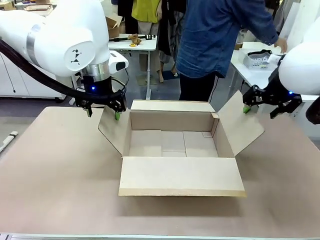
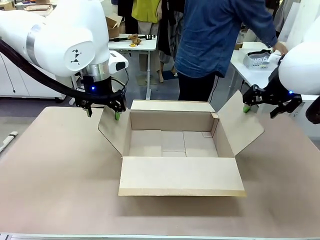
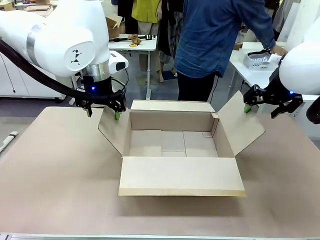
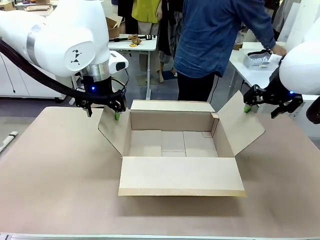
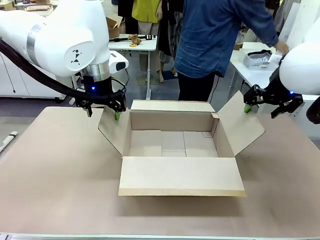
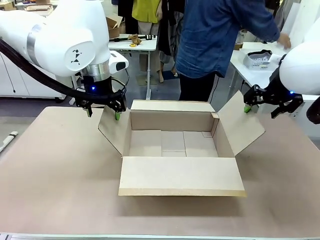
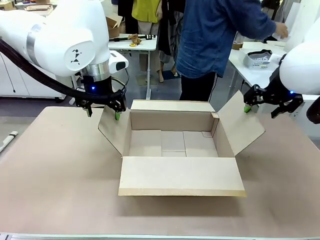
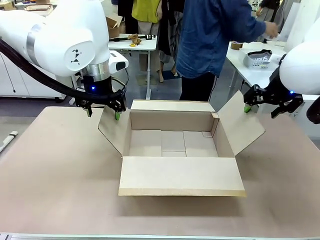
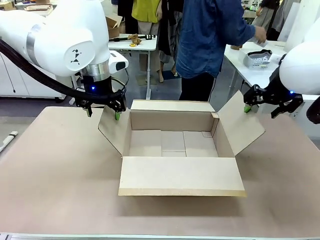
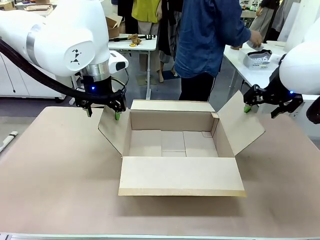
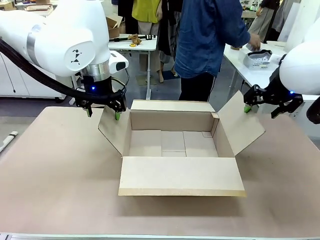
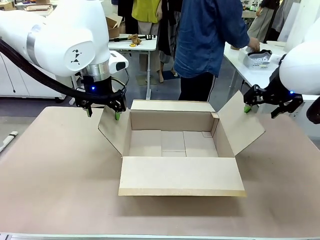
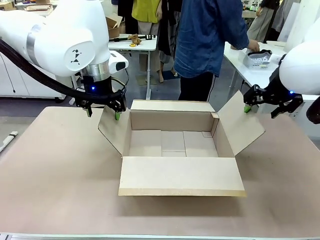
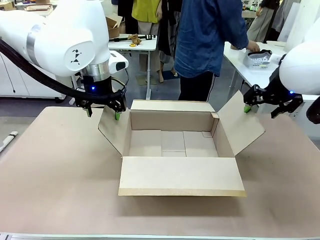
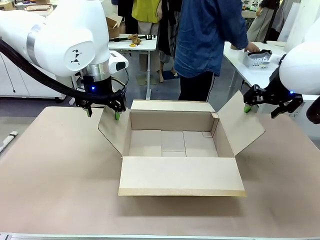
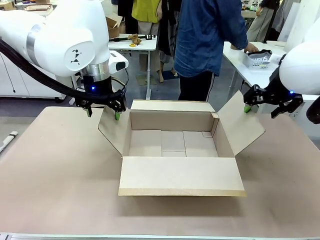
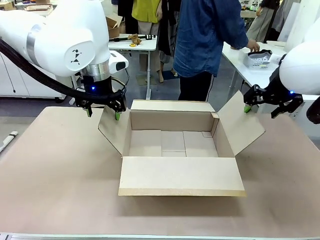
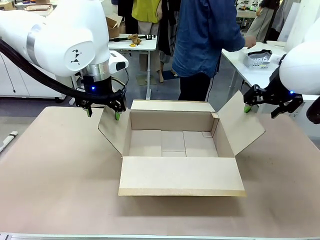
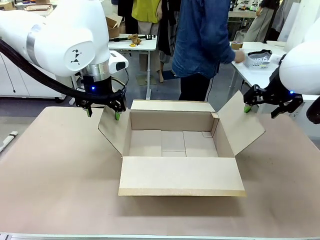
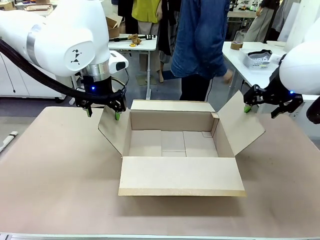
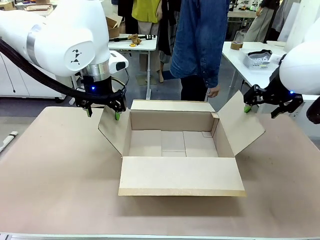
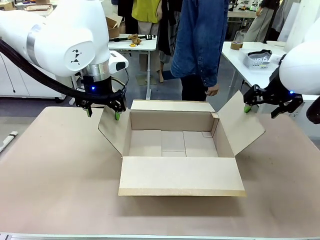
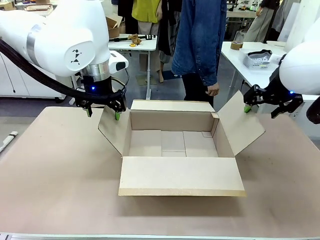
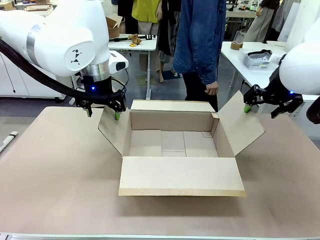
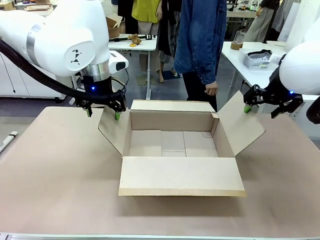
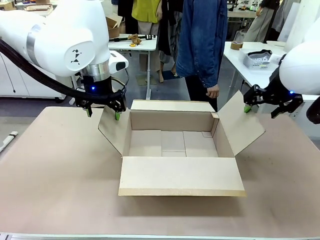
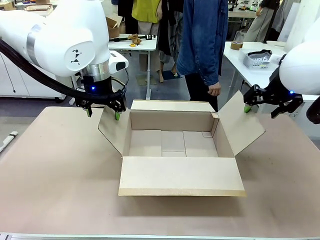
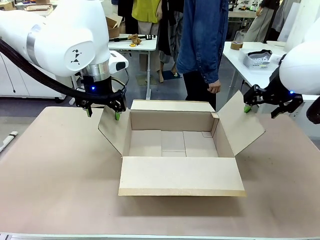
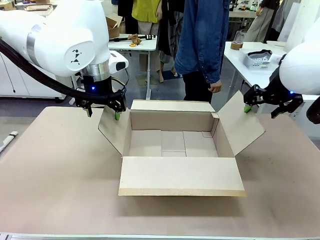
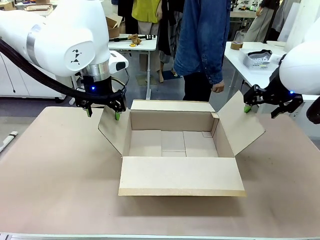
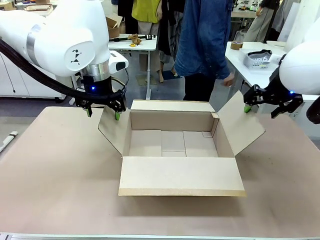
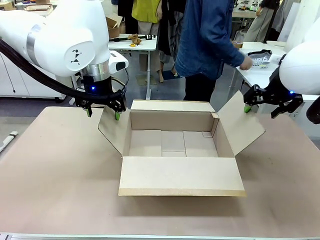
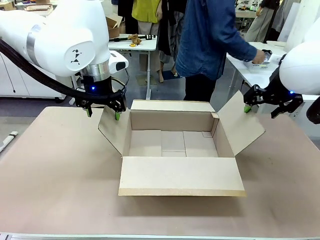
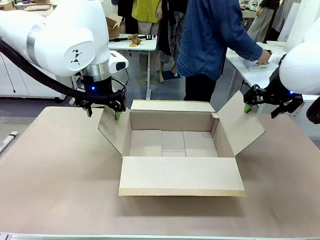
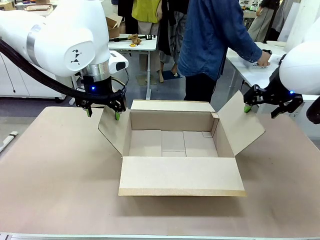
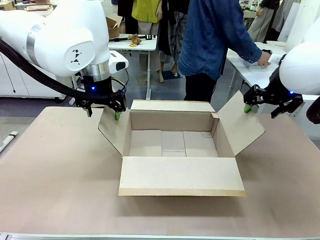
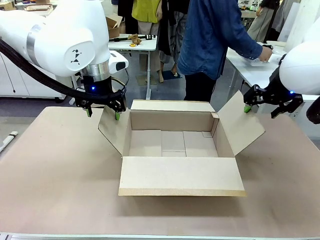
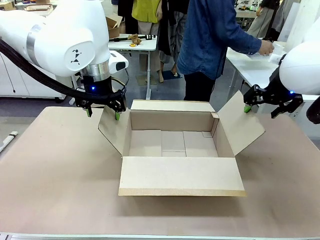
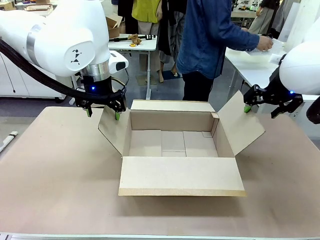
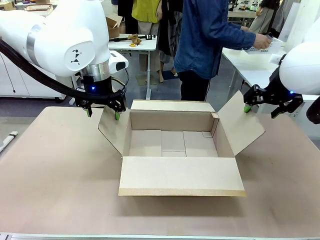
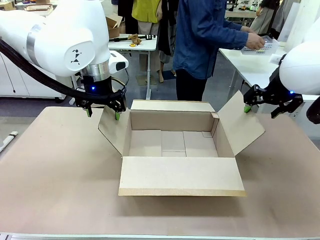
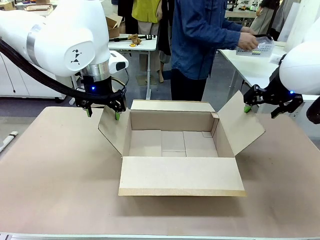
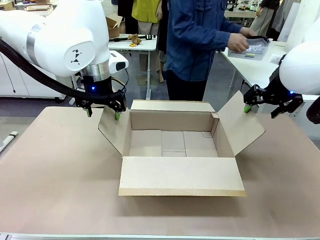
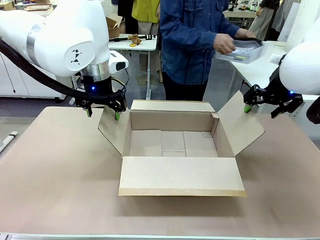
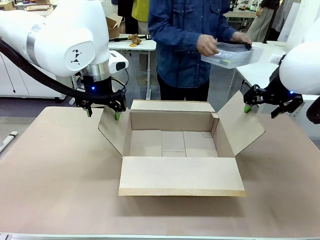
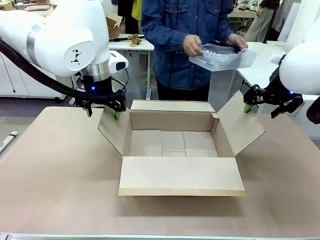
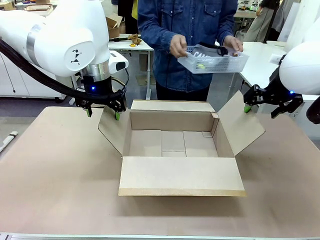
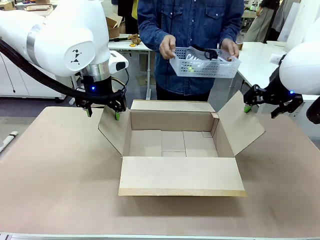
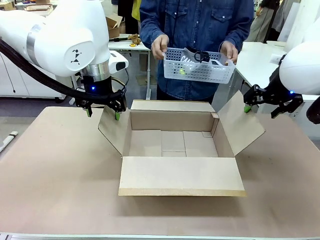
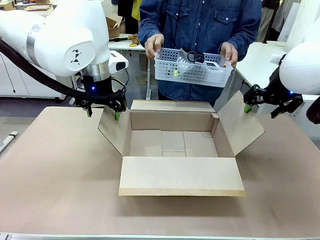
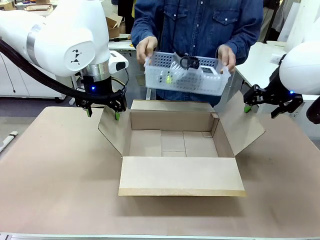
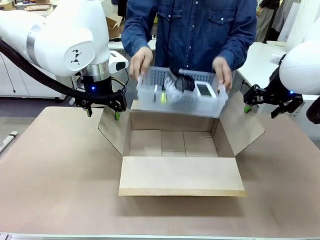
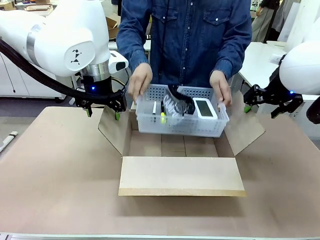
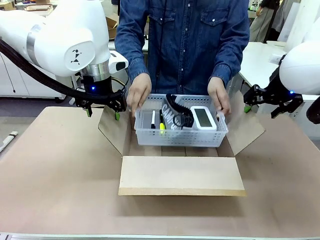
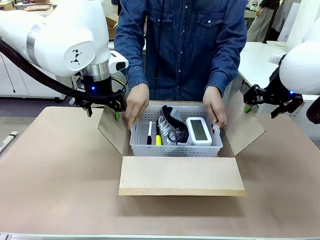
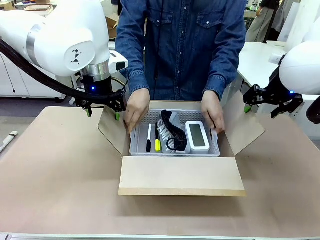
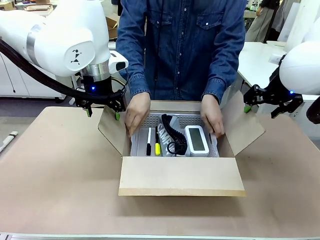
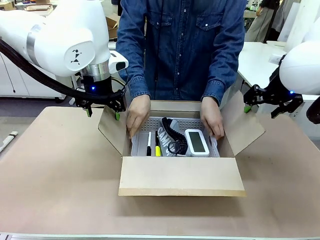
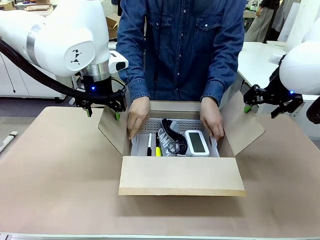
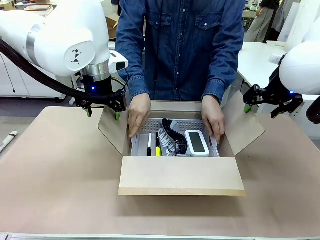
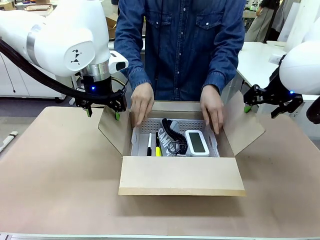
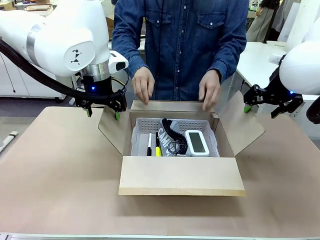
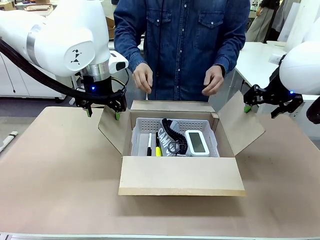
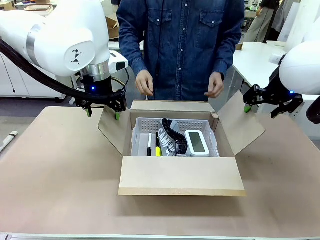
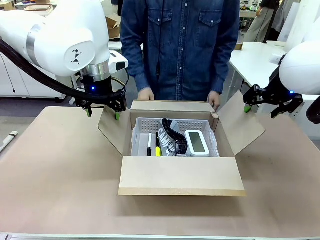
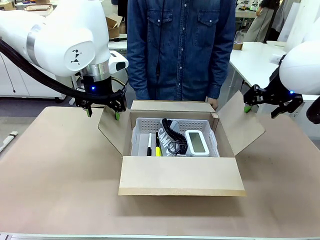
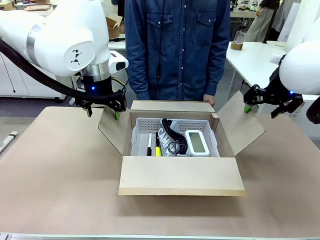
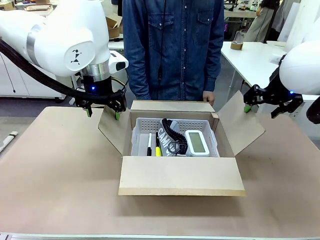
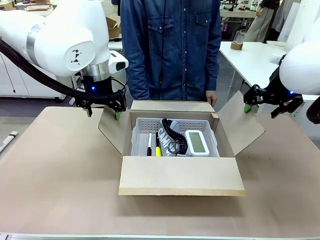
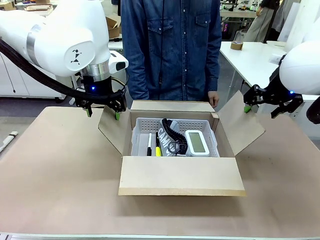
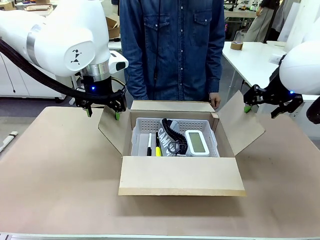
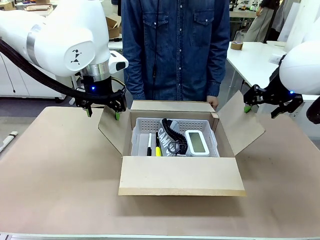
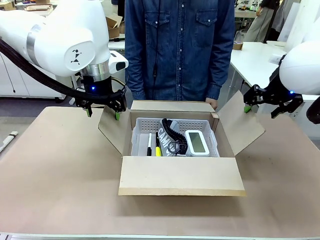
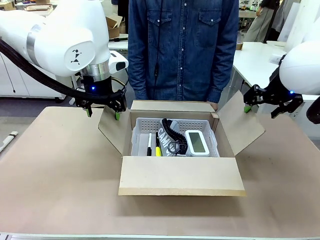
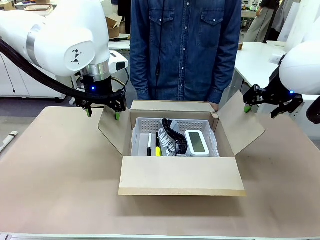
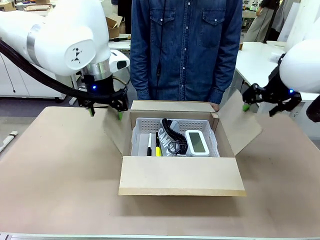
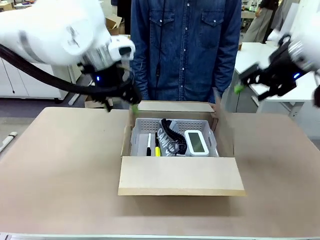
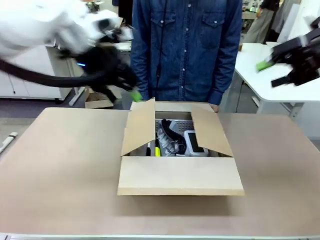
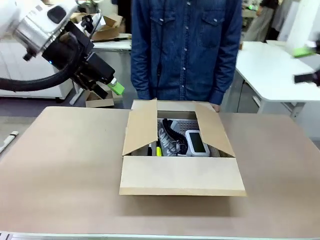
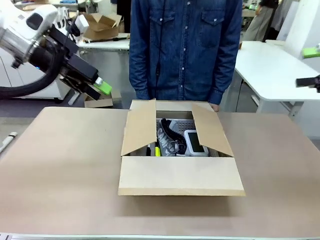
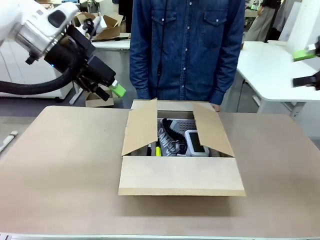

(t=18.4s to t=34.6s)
Task: Pack the gift set into the box.
Robot: Lift both hands away from the flaps of the Package Box.
Person: The human picks up the organizing basket and places the organizing basket into the package box on the robot table.
